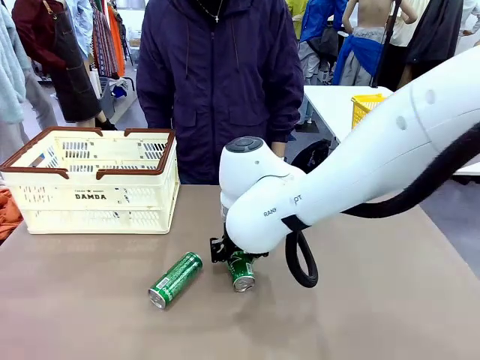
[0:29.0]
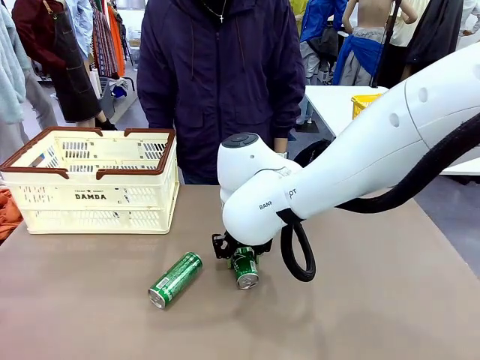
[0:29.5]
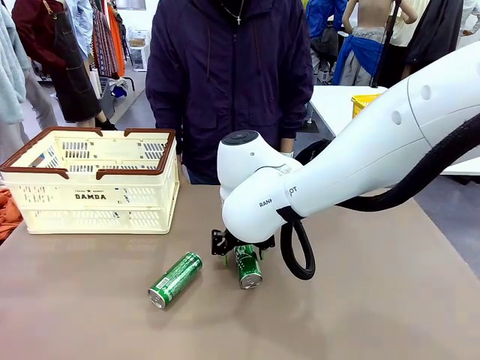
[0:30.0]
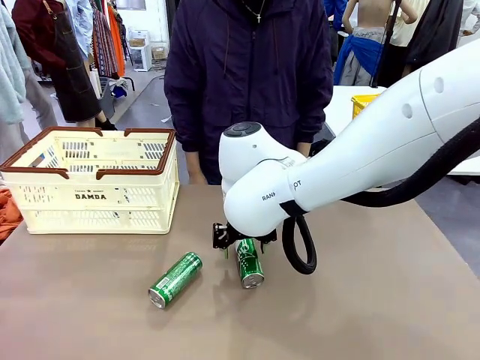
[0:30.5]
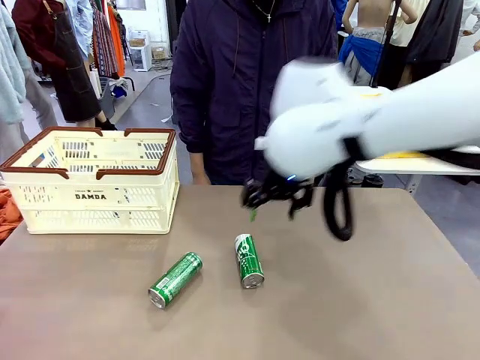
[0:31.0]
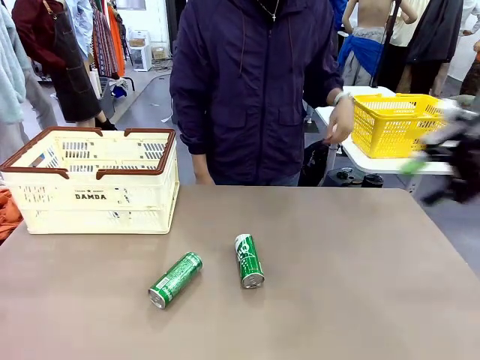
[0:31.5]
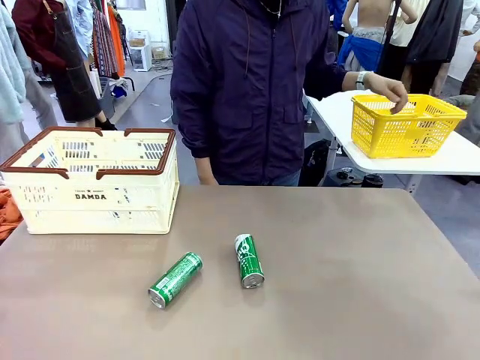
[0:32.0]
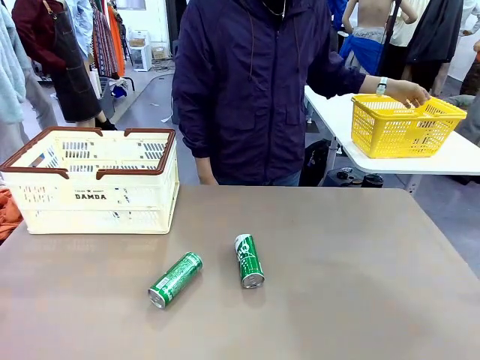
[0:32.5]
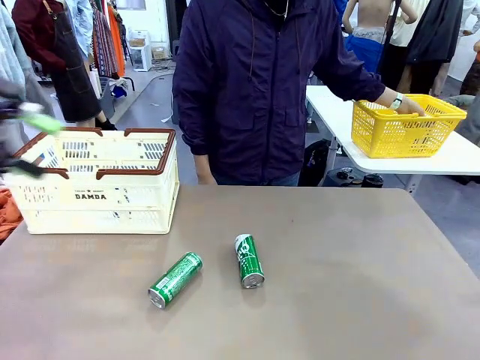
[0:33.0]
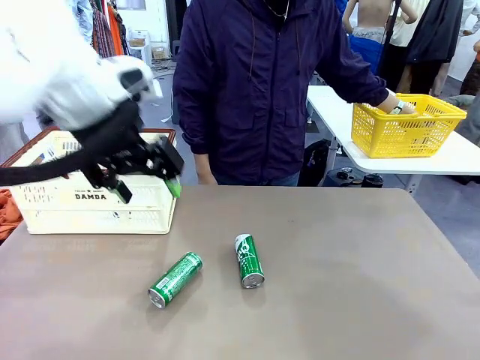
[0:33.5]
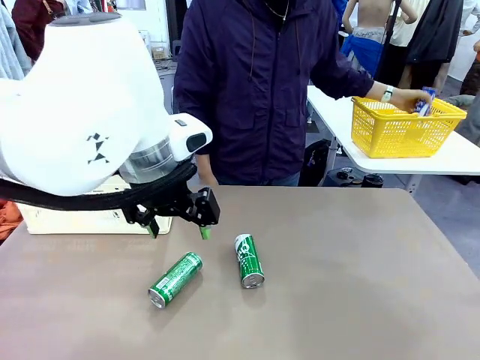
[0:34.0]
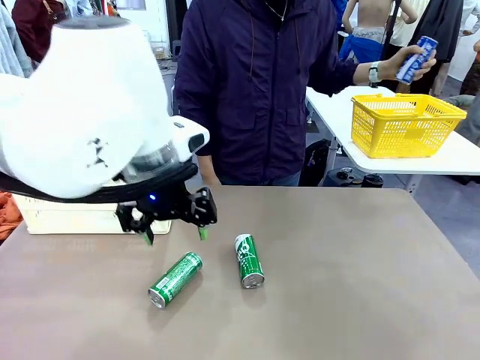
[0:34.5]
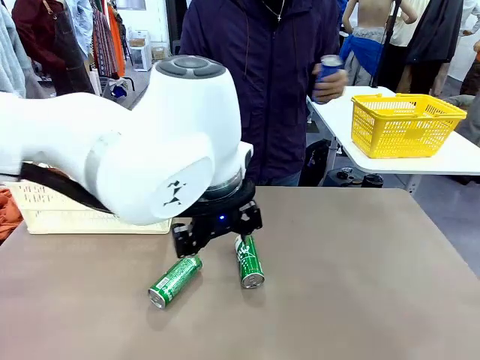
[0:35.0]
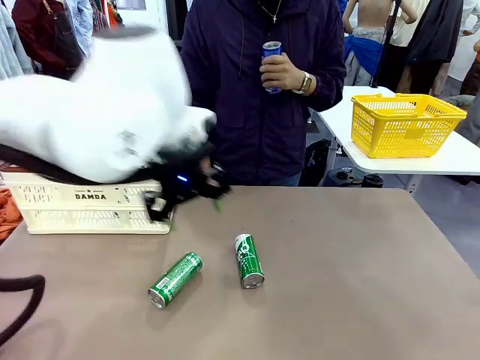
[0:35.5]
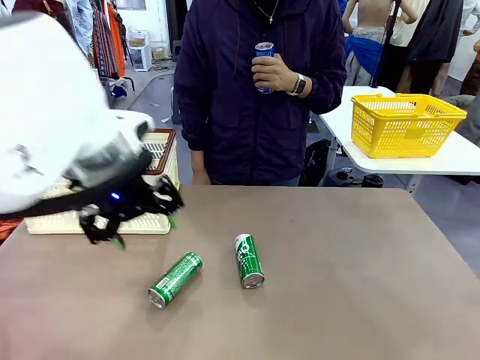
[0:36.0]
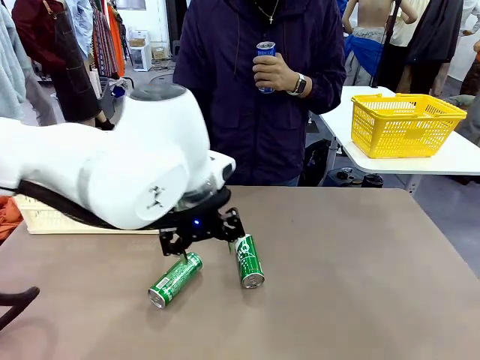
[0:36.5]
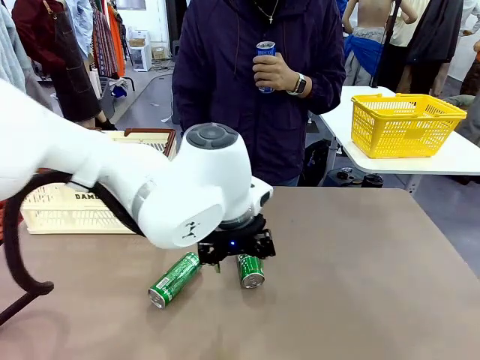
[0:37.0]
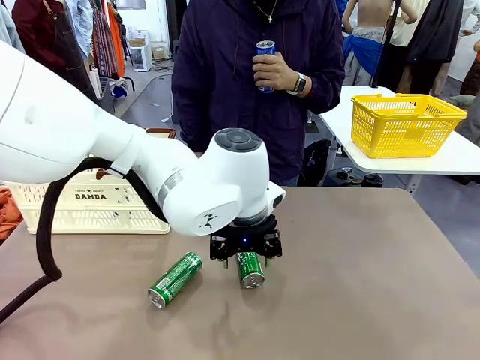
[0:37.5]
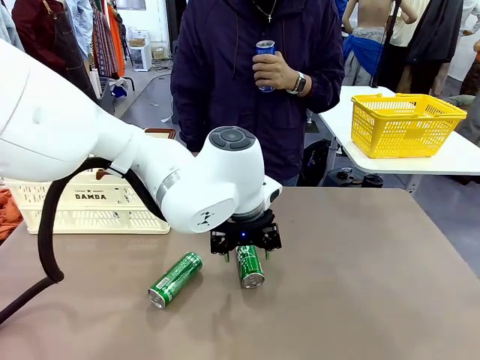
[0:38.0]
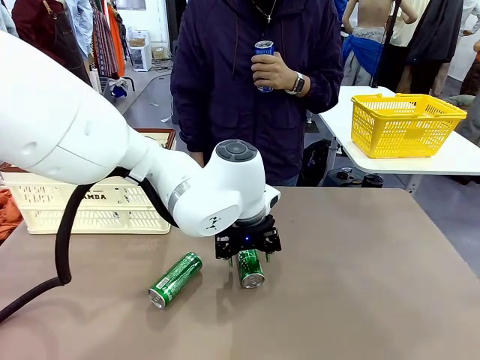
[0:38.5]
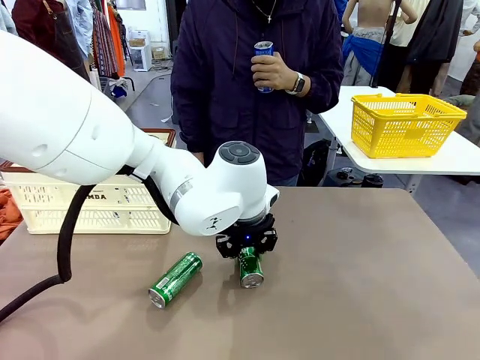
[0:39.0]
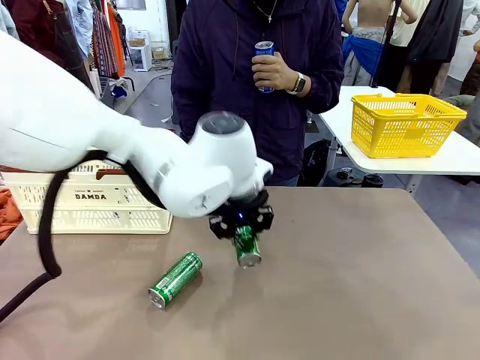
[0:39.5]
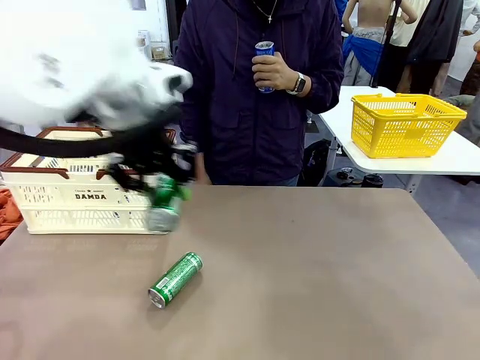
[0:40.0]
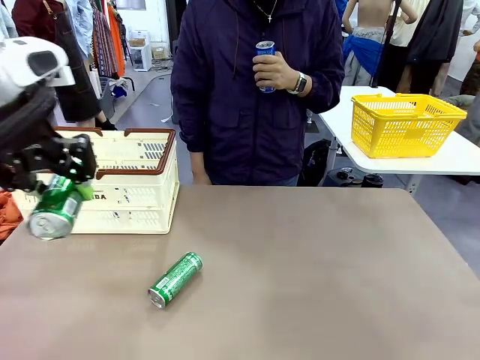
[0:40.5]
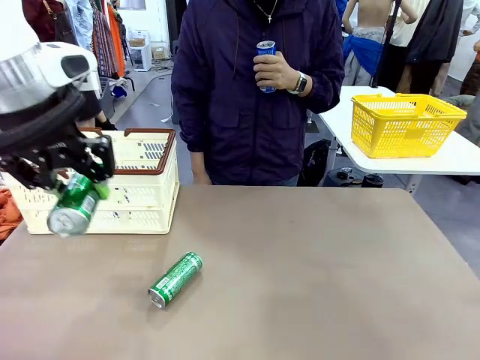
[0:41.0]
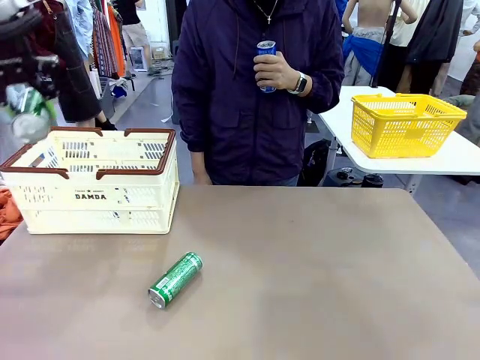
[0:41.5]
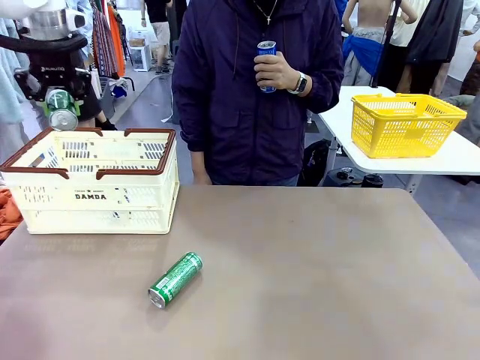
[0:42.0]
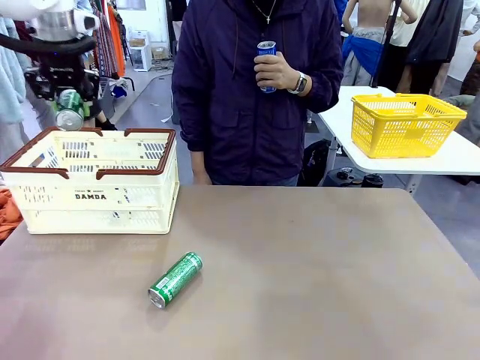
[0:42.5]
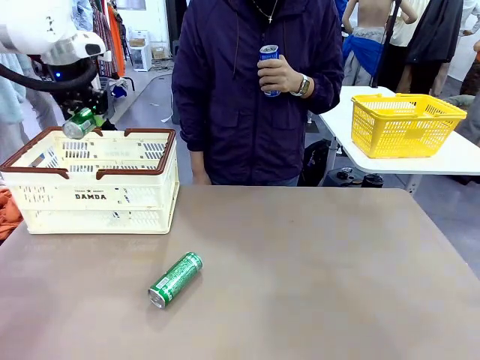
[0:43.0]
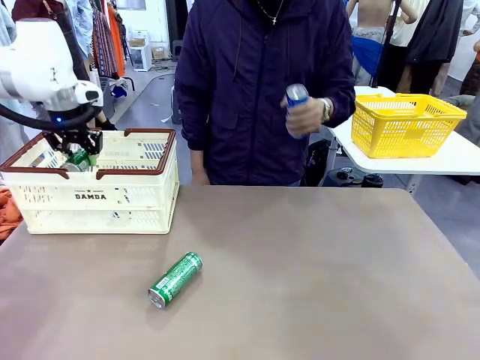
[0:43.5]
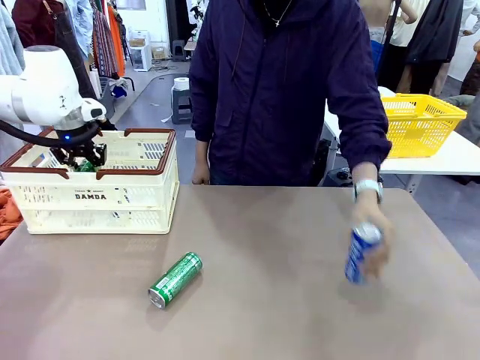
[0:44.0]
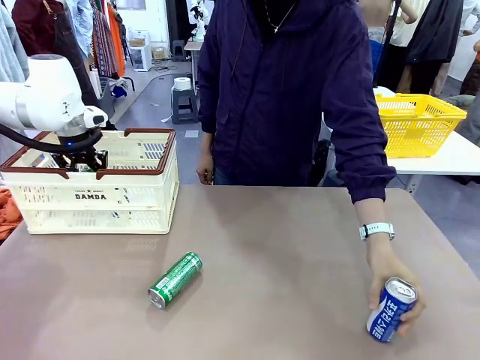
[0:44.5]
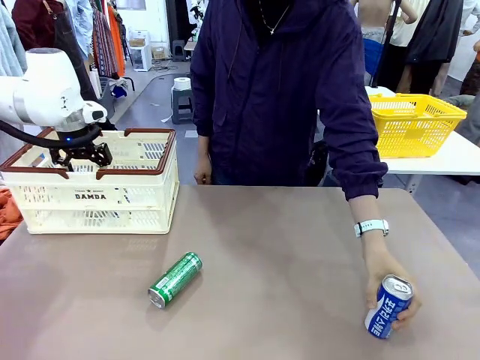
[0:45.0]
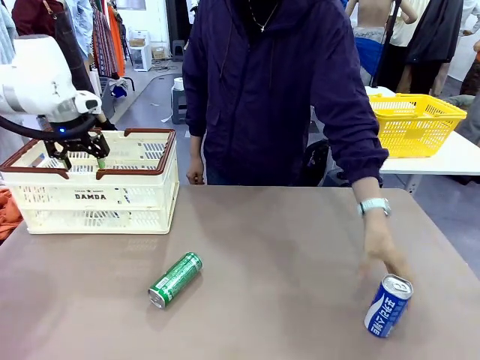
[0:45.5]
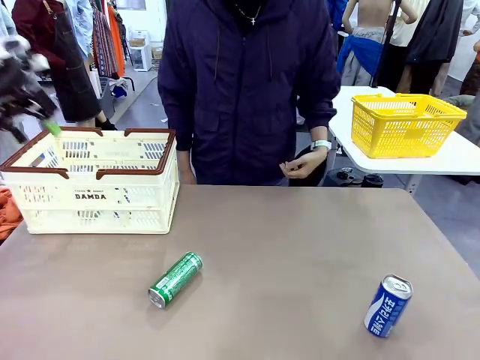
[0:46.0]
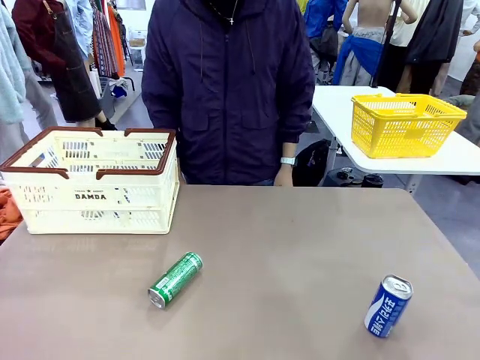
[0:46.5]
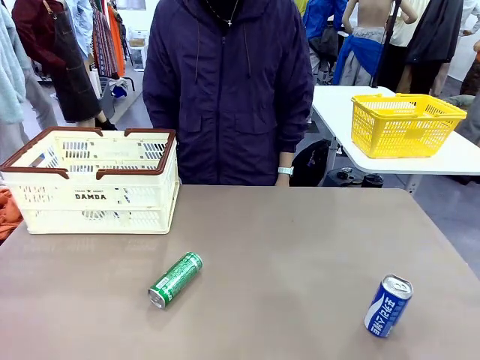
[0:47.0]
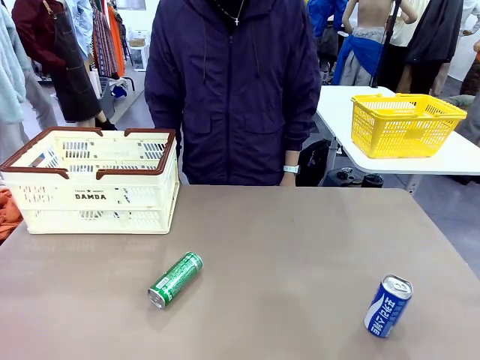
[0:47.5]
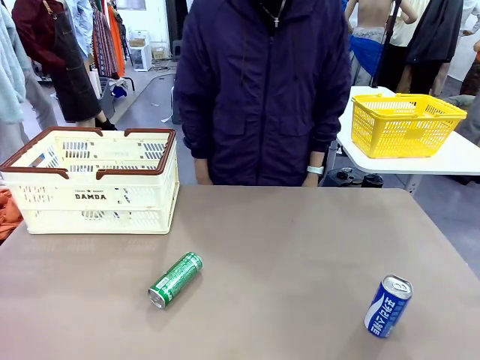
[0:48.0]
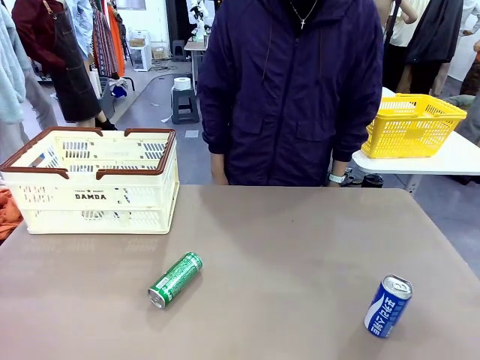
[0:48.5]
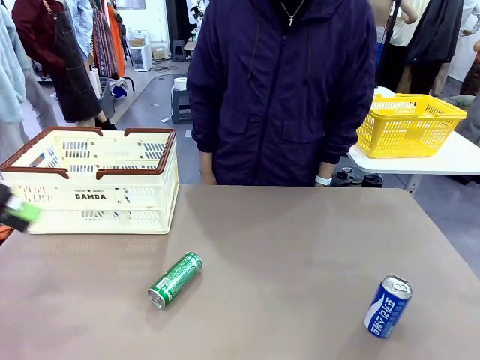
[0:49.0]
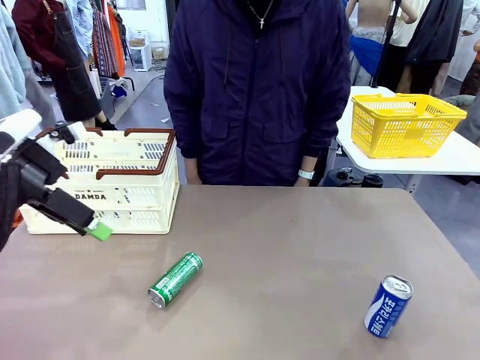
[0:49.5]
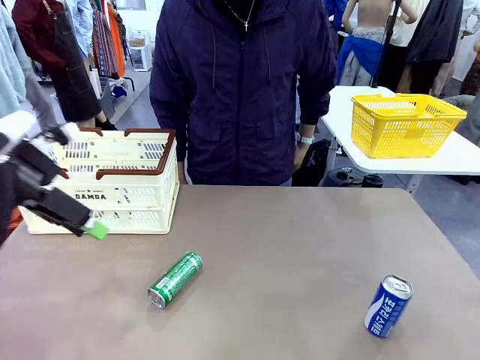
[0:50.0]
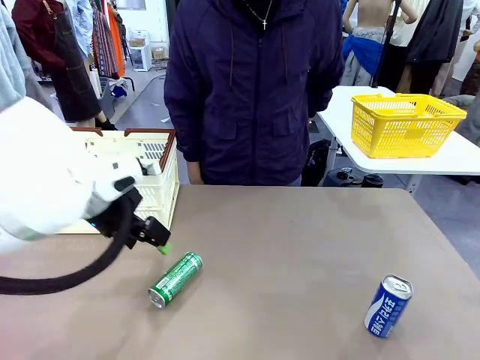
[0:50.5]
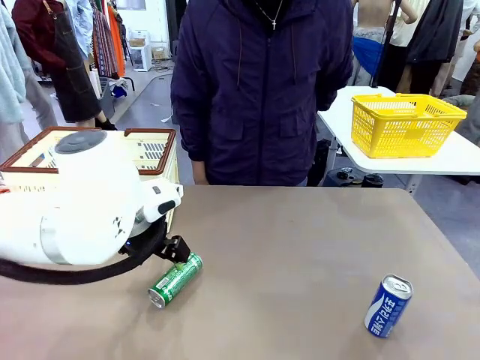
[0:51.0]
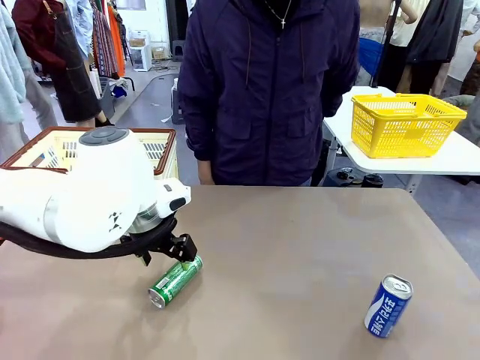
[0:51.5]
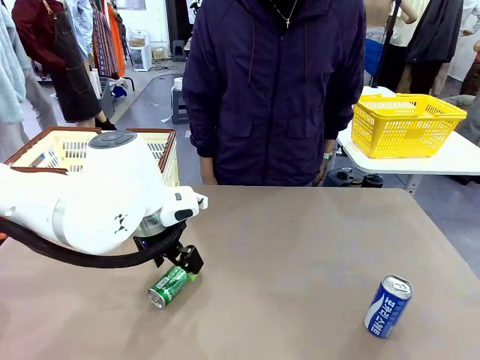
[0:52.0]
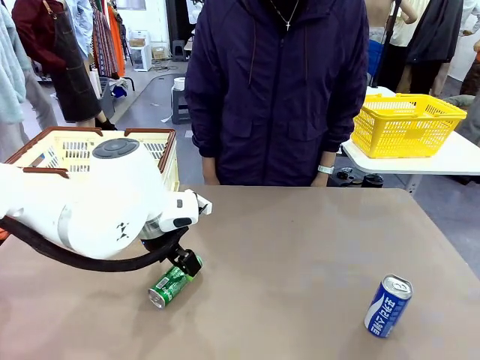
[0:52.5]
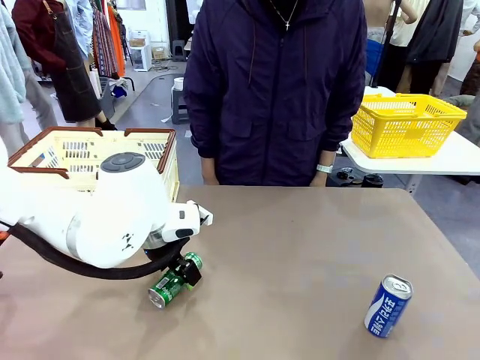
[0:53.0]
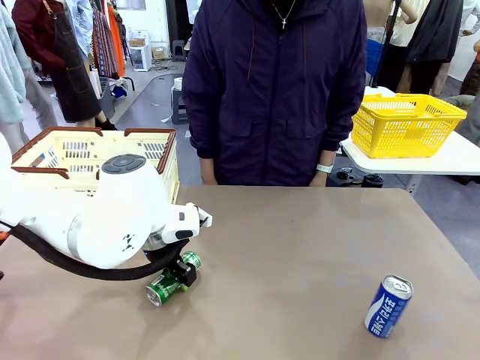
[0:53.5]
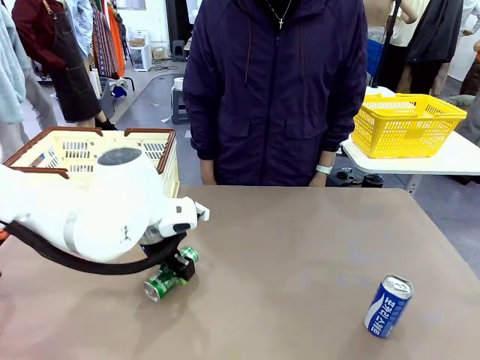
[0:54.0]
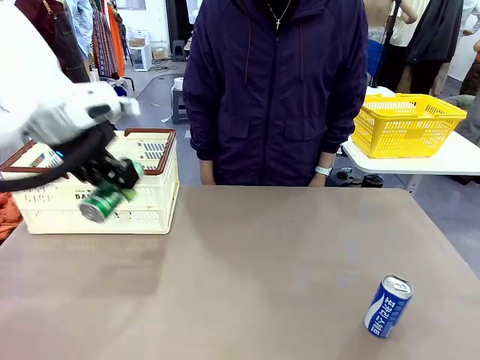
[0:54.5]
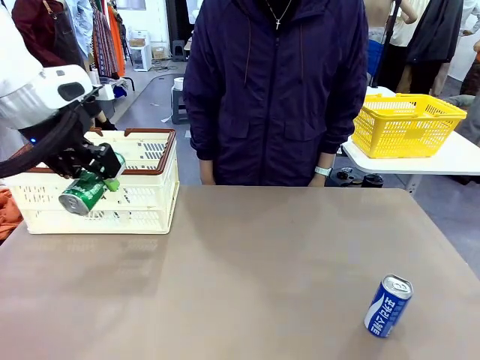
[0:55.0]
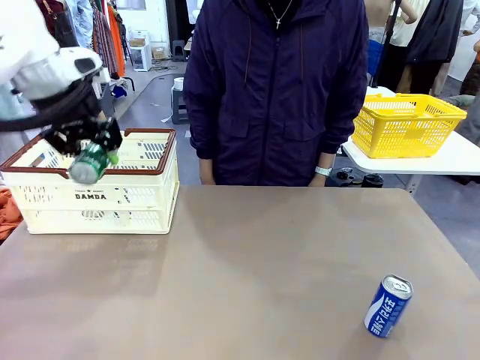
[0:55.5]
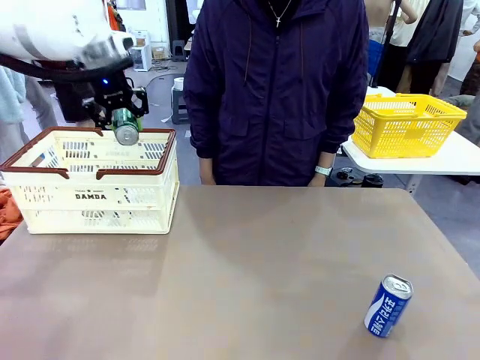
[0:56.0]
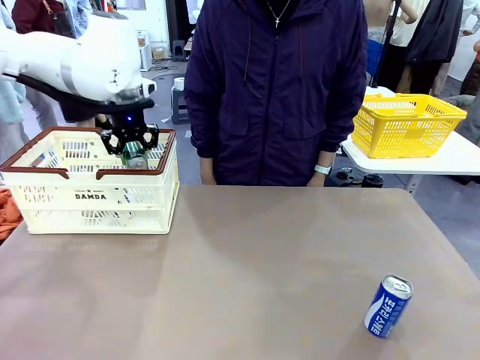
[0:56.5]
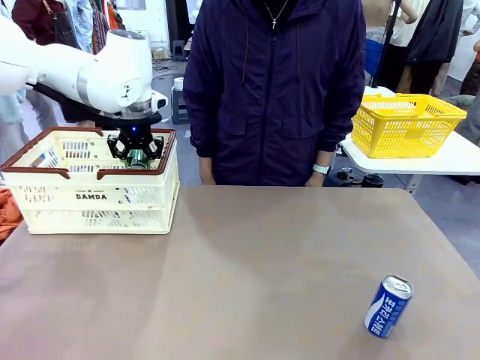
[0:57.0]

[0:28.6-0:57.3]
Task: Place the drinks into the Shopping basket.
Robot: Pick up one drink and place it into the Shopping basket.
